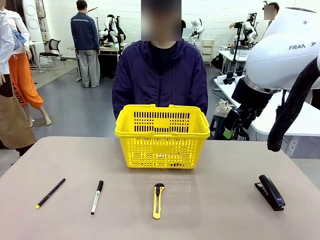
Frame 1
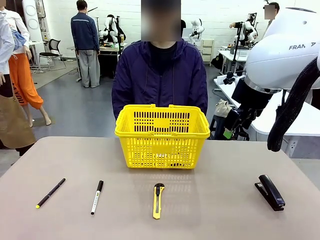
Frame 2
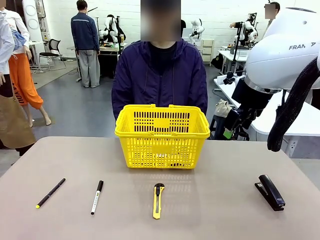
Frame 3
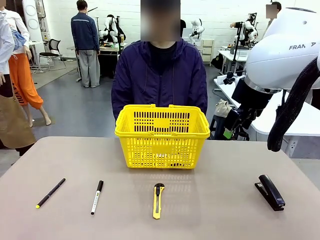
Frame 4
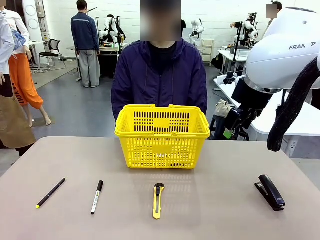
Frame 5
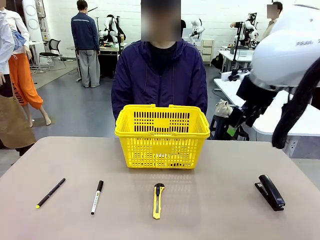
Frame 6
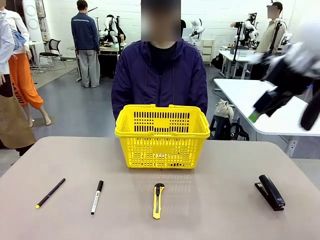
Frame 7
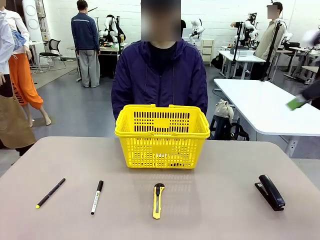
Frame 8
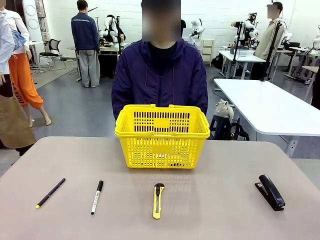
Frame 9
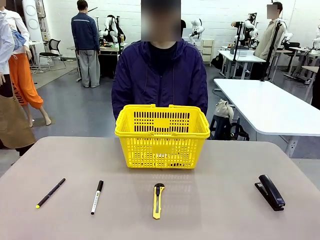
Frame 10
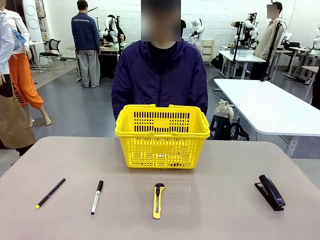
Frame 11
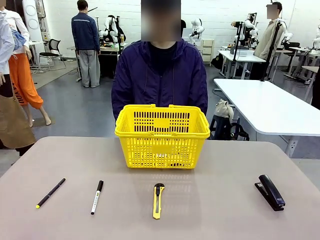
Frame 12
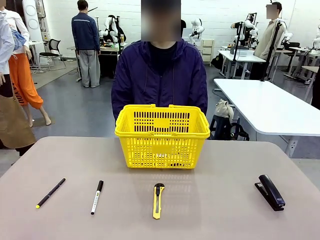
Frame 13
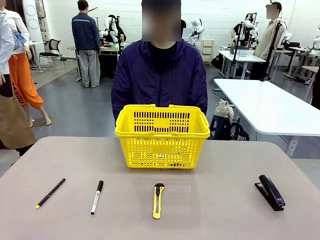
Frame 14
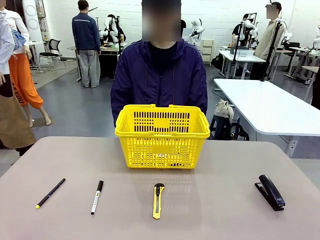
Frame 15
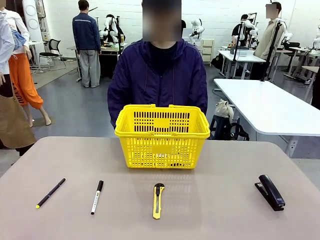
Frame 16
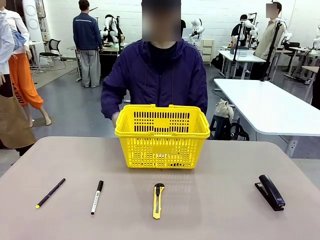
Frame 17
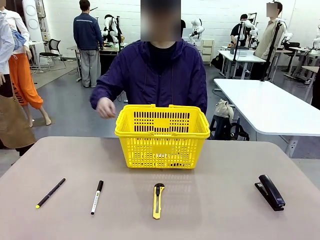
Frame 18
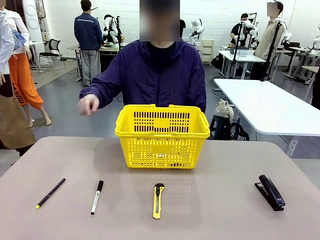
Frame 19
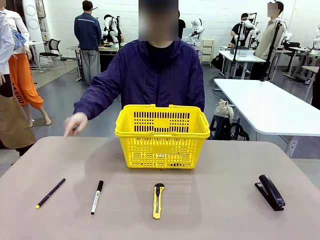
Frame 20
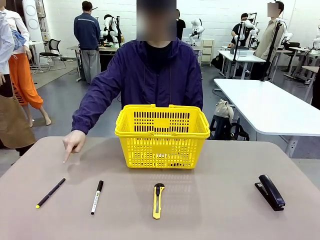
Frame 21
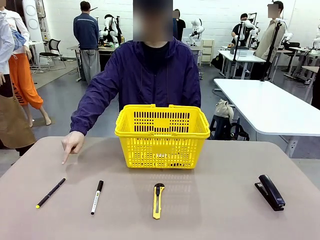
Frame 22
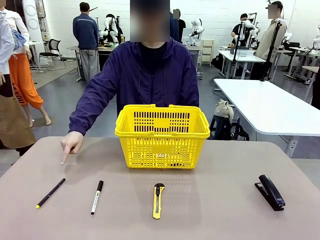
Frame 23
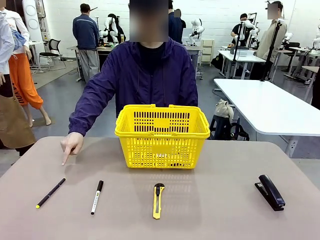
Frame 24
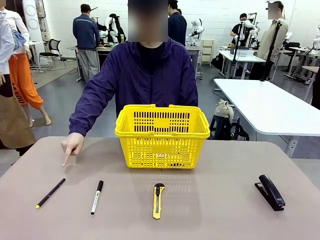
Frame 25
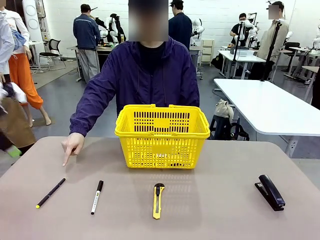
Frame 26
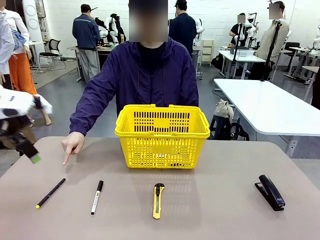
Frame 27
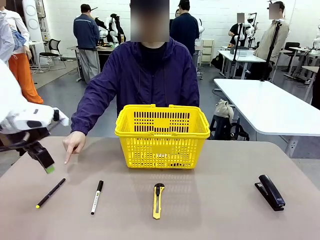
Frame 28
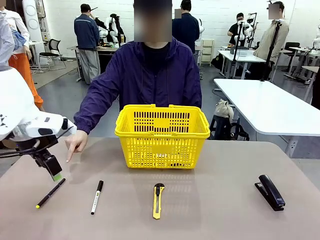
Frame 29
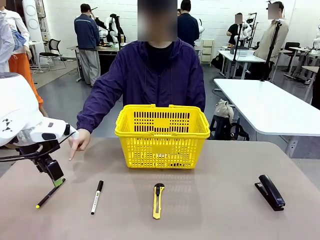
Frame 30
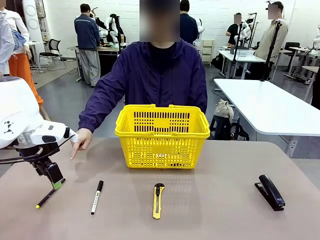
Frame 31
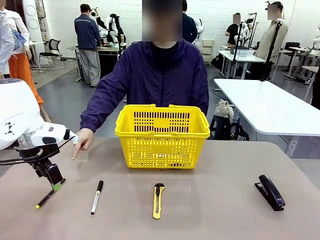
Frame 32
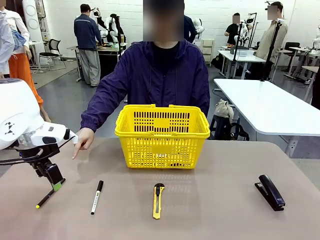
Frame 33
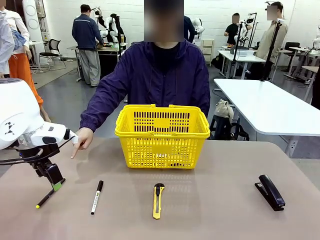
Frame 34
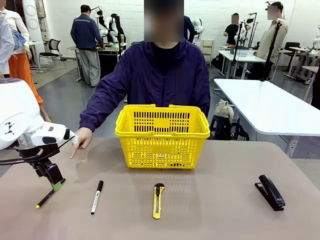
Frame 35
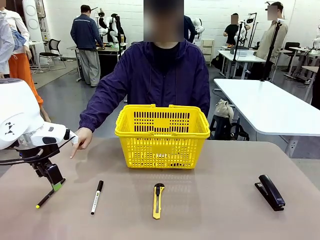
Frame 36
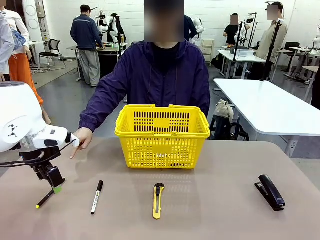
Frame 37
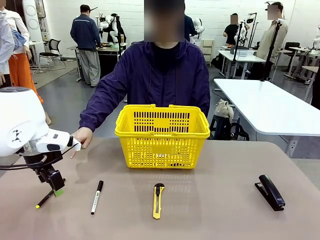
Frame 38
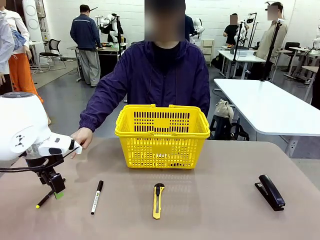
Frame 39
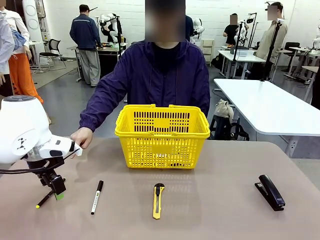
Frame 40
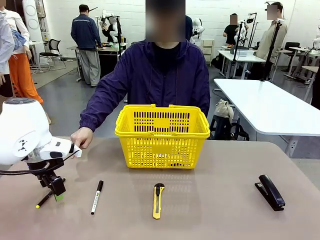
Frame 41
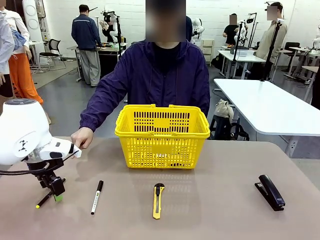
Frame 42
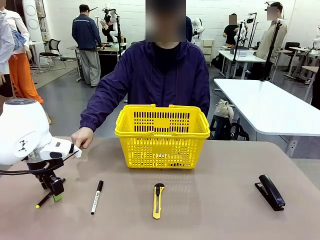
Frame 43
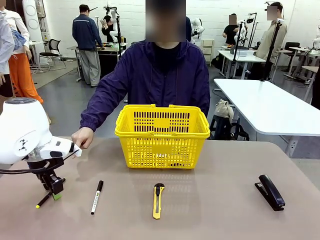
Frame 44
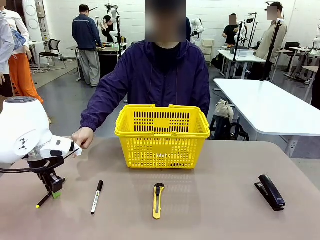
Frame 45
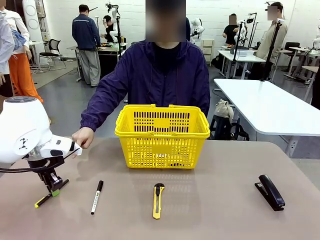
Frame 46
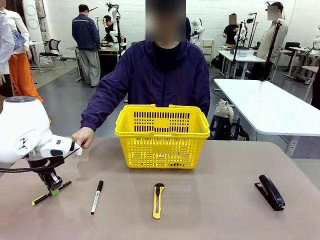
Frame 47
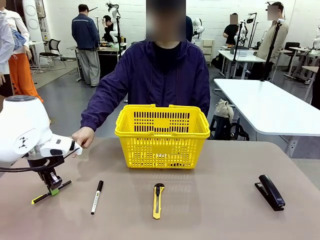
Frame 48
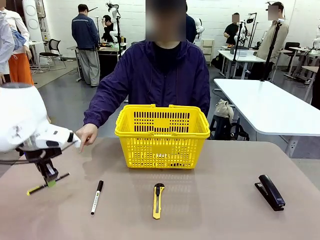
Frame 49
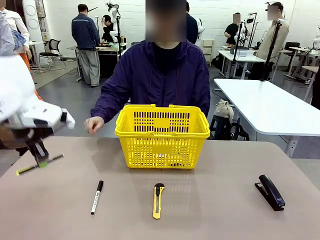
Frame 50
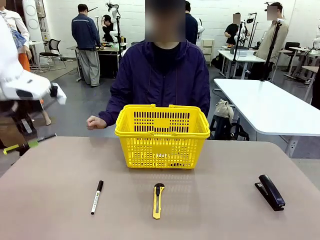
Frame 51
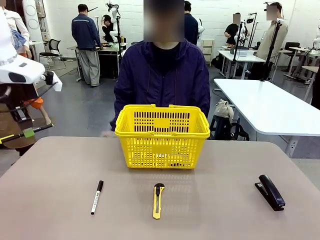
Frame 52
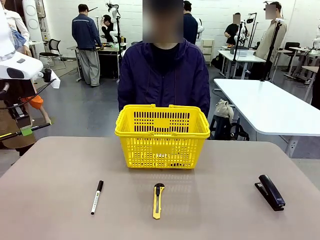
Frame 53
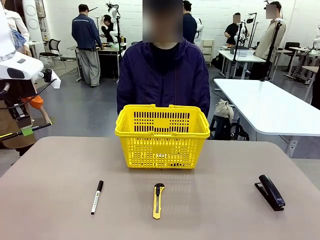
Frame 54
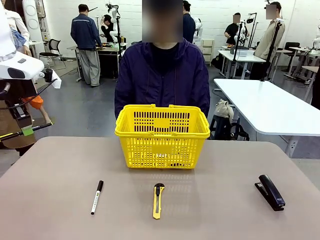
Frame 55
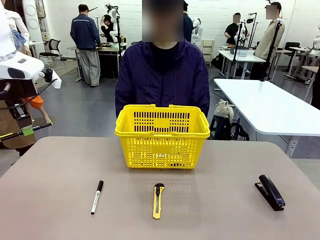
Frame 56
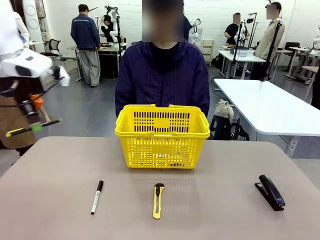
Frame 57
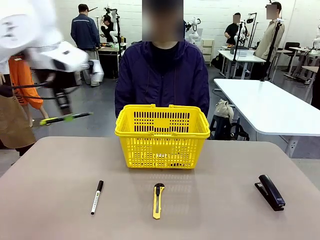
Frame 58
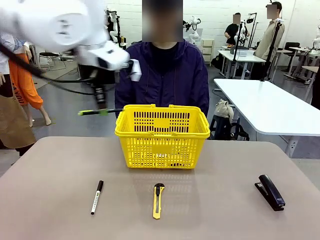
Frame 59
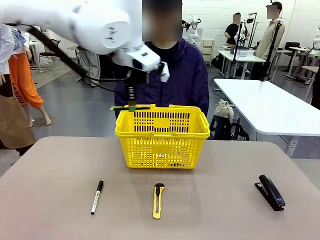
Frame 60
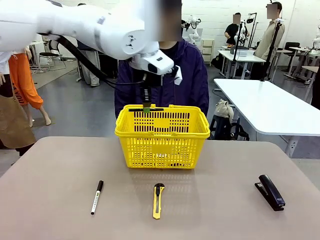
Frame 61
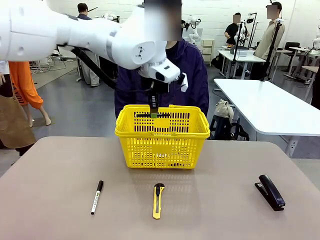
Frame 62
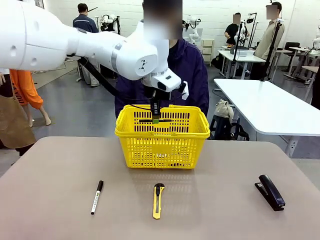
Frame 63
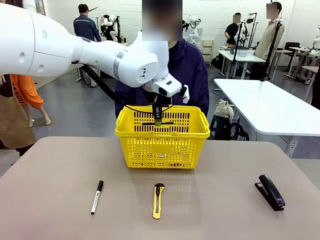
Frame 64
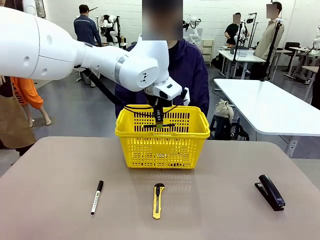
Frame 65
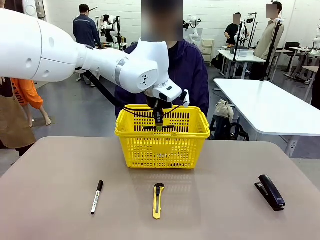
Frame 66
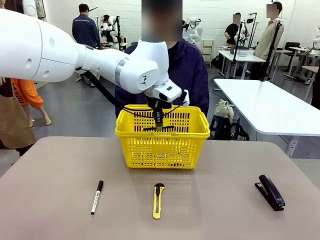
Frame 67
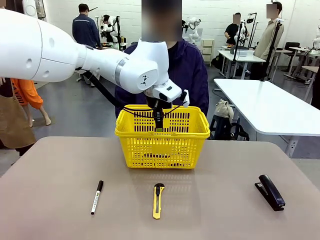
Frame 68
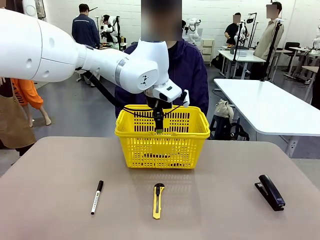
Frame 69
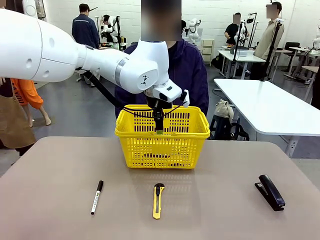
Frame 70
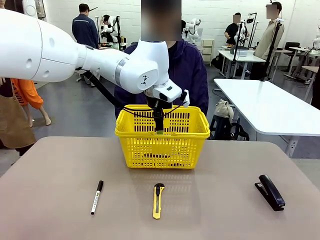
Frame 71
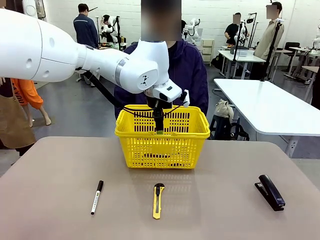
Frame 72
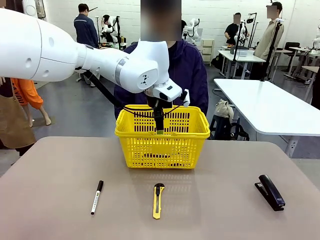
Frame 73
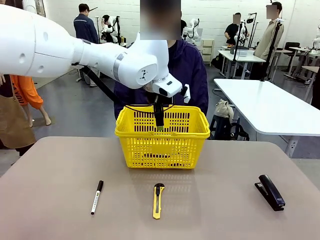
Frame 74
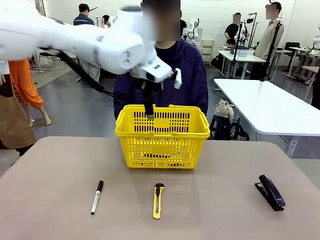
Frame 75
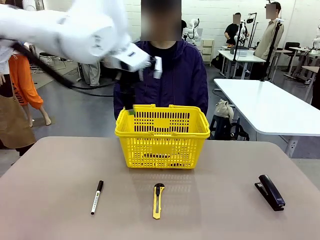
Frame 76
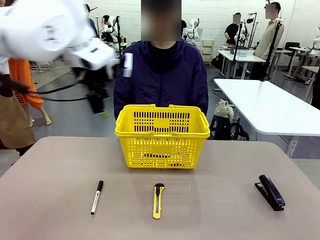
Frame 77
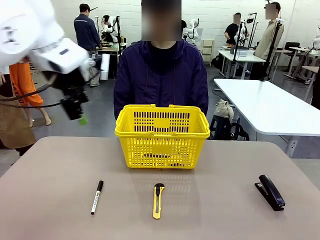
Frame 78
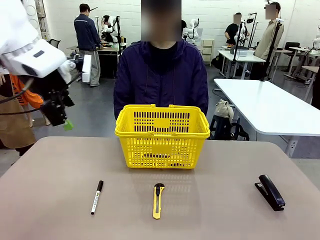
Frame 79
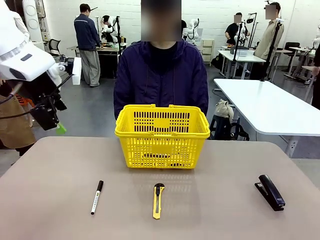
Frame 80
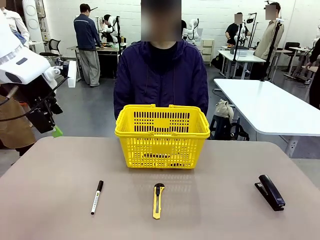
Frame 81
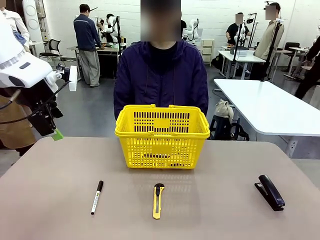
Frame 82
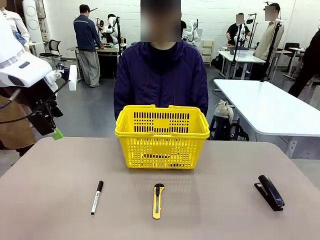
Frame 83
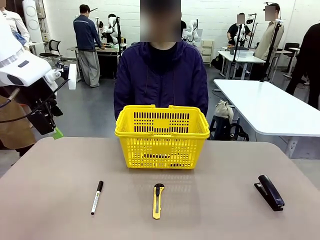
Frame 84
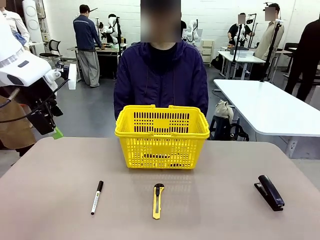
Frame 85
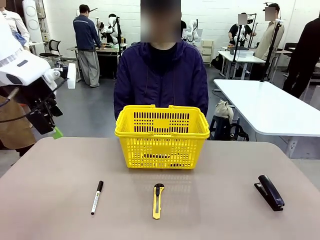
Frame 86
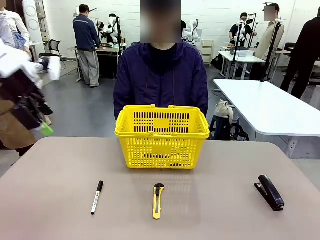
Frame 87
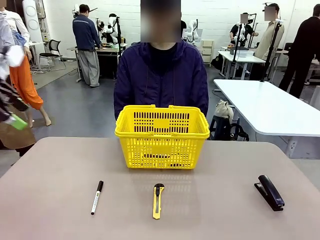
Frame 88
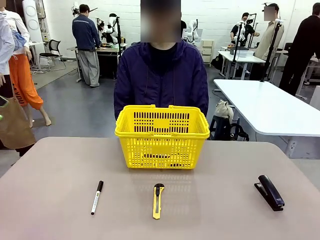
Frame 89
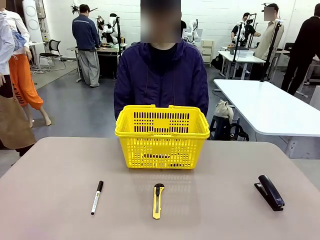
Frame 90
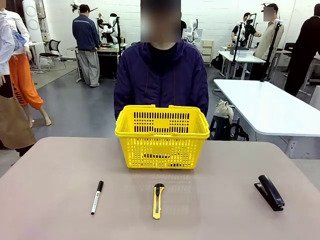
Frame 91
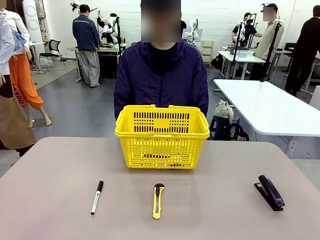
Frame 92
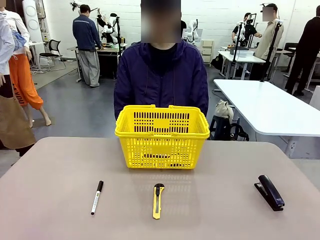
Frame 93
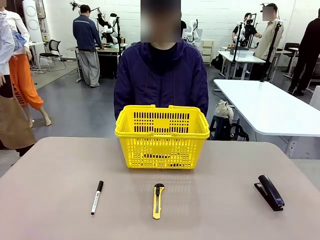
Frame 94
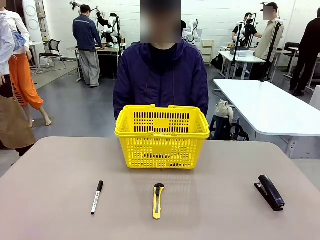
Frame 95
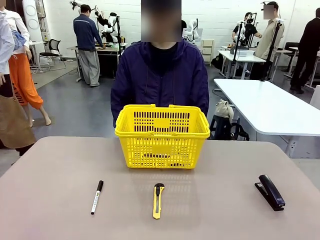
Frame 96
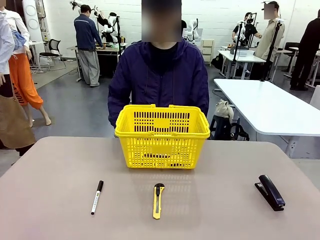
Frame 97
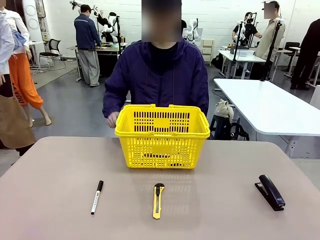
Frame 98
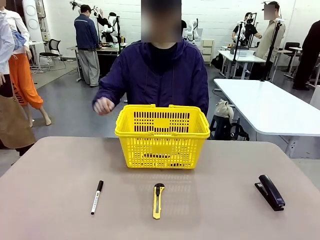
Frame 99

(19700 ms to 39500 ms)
Task: Place the items the person wants into the basket.
Robot: Pick up the item the person points to and place it in the Market Basket.
